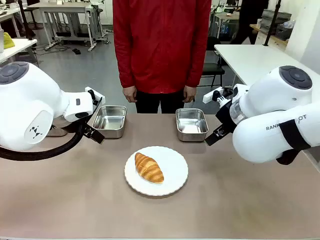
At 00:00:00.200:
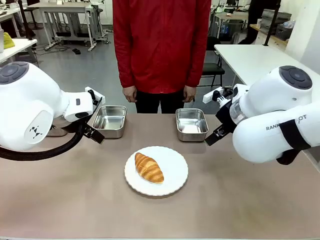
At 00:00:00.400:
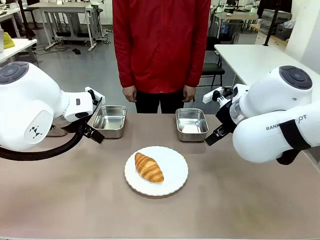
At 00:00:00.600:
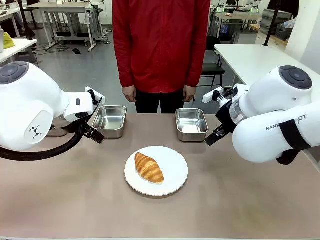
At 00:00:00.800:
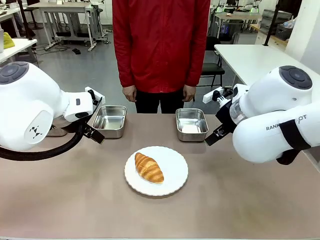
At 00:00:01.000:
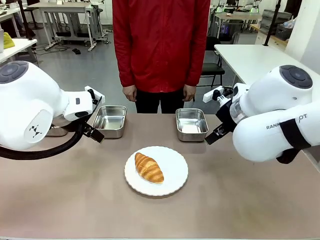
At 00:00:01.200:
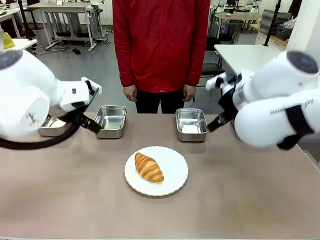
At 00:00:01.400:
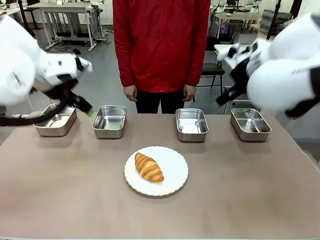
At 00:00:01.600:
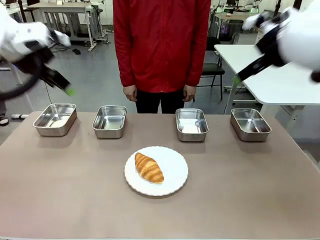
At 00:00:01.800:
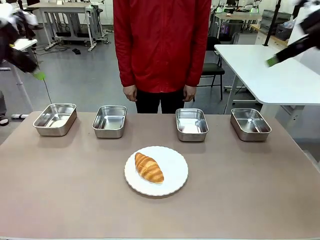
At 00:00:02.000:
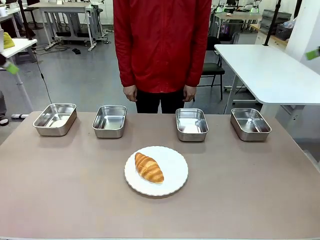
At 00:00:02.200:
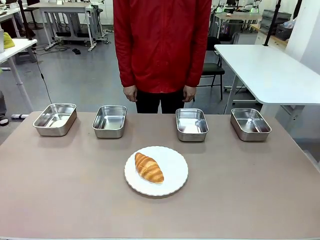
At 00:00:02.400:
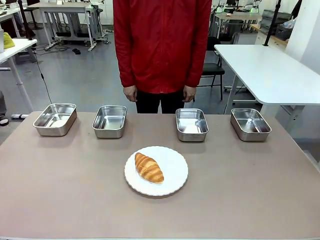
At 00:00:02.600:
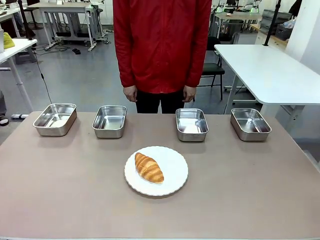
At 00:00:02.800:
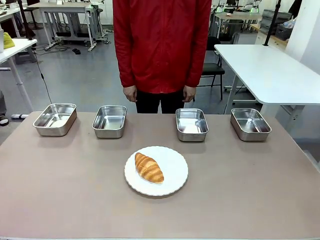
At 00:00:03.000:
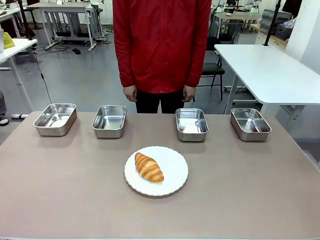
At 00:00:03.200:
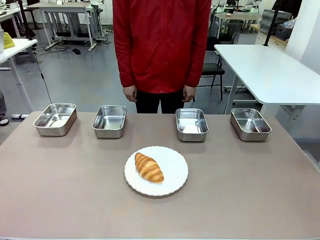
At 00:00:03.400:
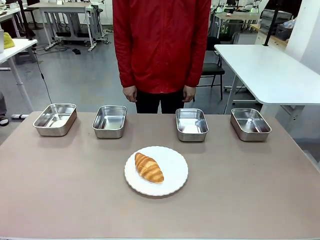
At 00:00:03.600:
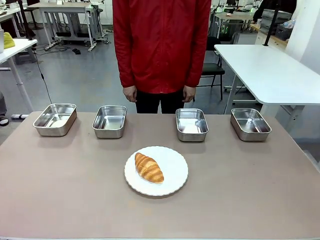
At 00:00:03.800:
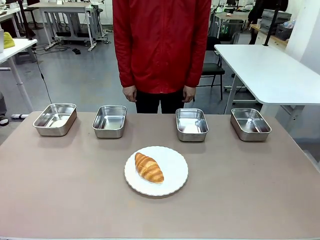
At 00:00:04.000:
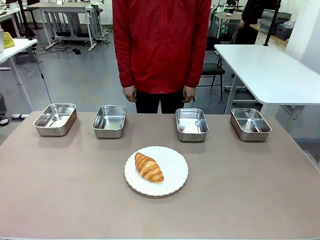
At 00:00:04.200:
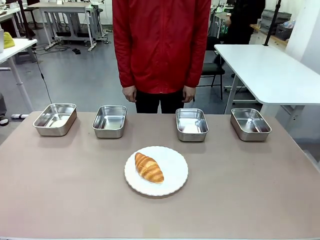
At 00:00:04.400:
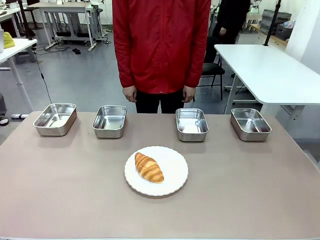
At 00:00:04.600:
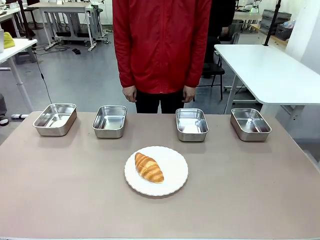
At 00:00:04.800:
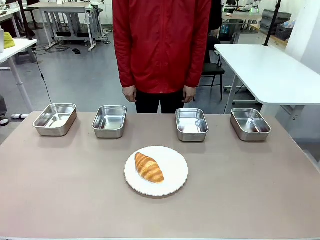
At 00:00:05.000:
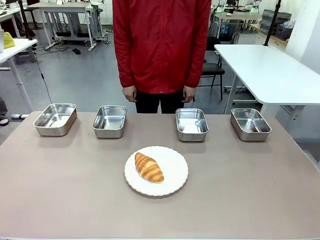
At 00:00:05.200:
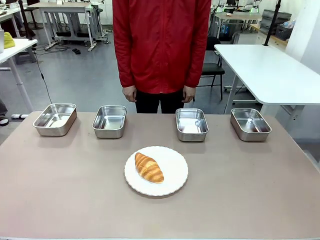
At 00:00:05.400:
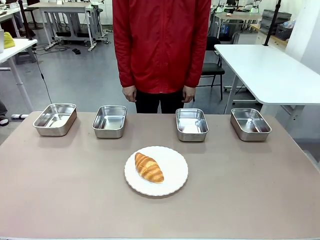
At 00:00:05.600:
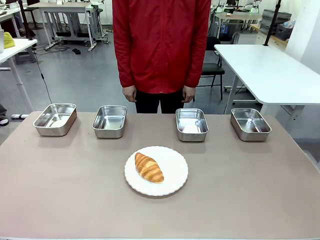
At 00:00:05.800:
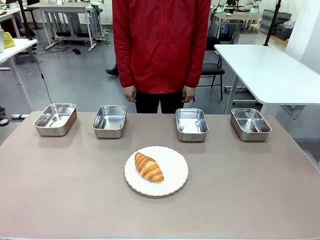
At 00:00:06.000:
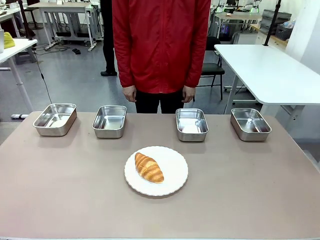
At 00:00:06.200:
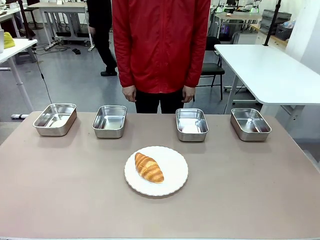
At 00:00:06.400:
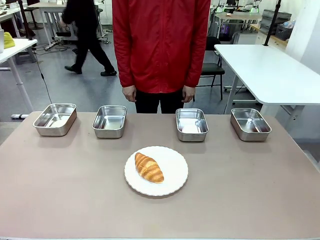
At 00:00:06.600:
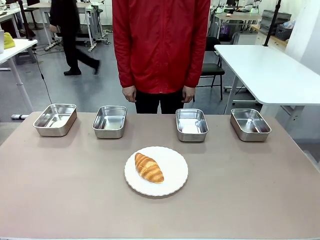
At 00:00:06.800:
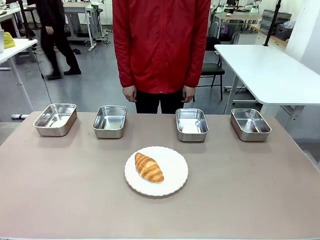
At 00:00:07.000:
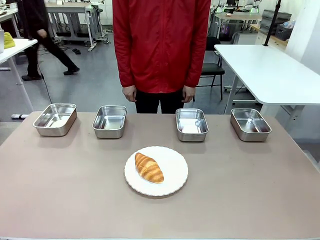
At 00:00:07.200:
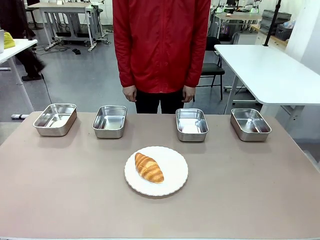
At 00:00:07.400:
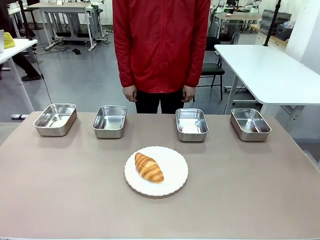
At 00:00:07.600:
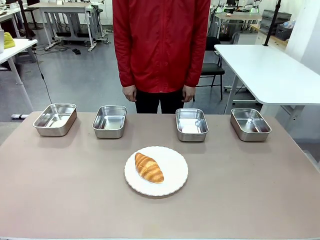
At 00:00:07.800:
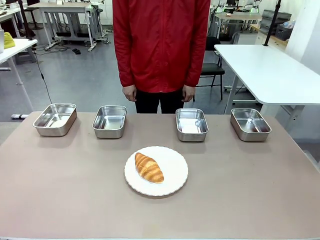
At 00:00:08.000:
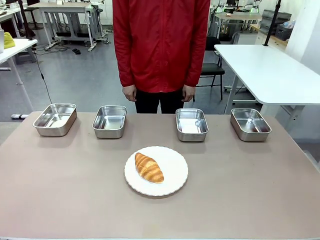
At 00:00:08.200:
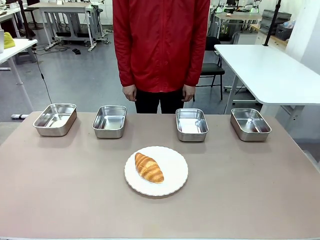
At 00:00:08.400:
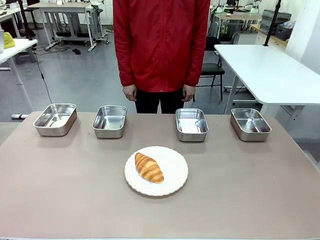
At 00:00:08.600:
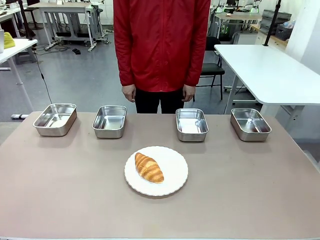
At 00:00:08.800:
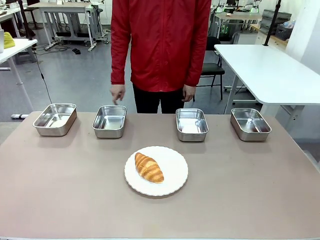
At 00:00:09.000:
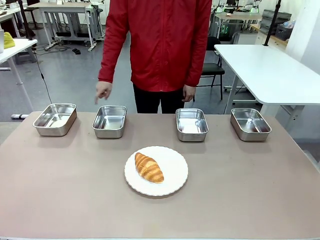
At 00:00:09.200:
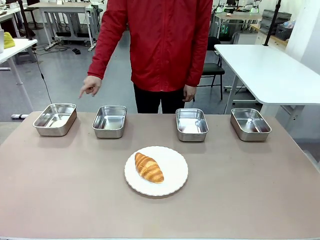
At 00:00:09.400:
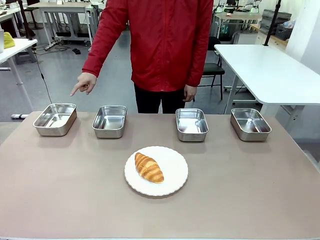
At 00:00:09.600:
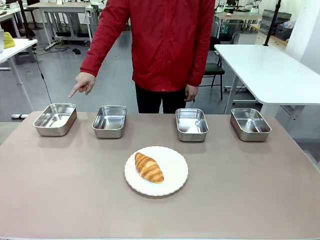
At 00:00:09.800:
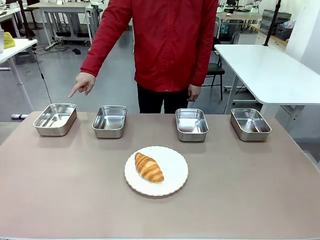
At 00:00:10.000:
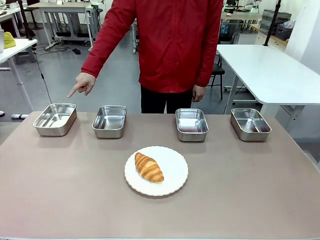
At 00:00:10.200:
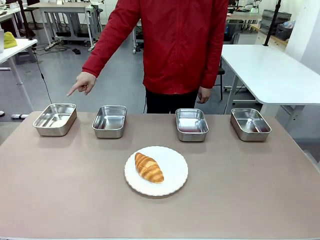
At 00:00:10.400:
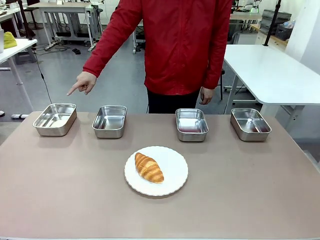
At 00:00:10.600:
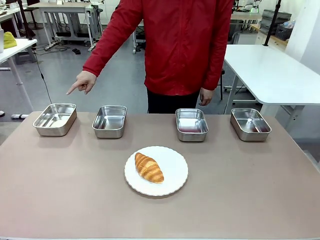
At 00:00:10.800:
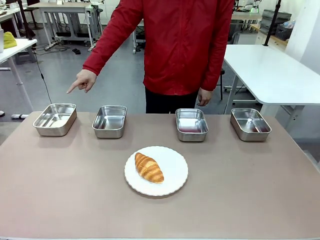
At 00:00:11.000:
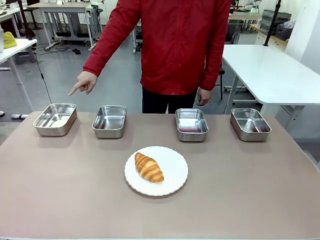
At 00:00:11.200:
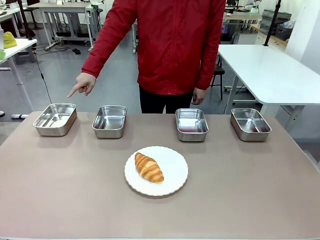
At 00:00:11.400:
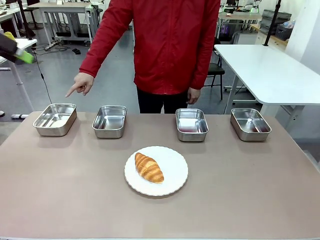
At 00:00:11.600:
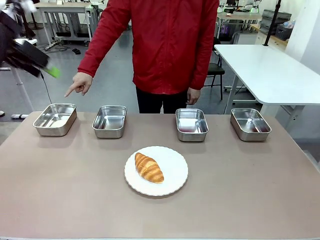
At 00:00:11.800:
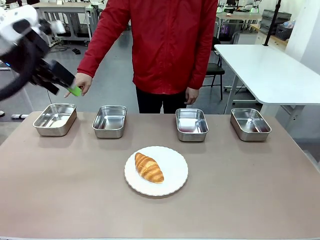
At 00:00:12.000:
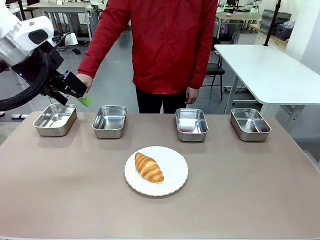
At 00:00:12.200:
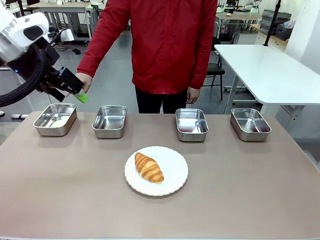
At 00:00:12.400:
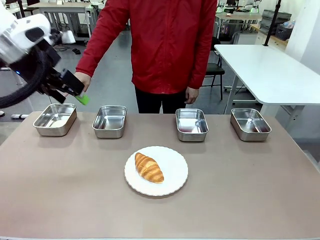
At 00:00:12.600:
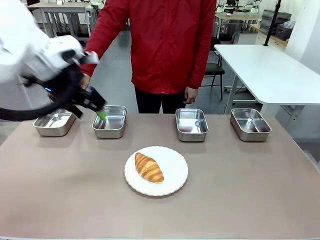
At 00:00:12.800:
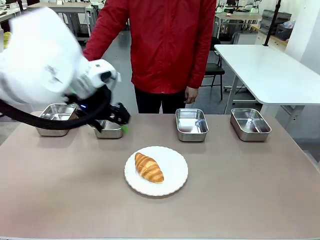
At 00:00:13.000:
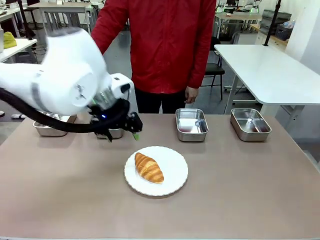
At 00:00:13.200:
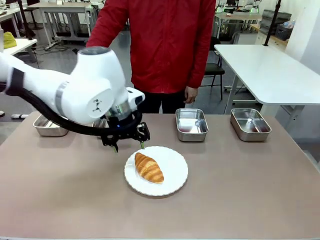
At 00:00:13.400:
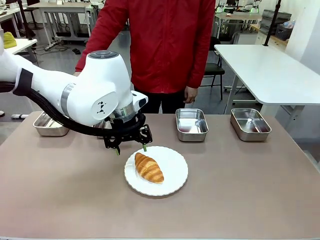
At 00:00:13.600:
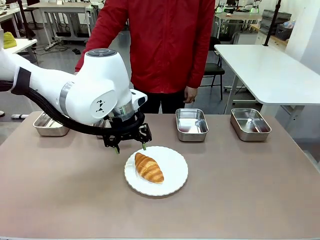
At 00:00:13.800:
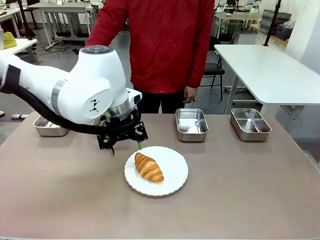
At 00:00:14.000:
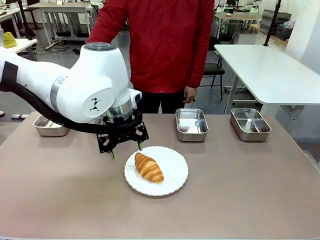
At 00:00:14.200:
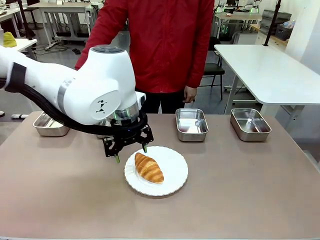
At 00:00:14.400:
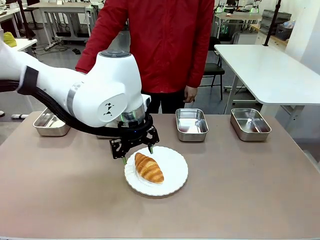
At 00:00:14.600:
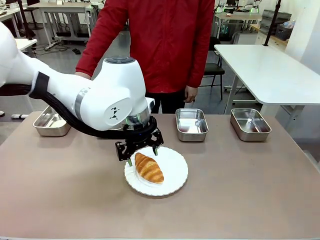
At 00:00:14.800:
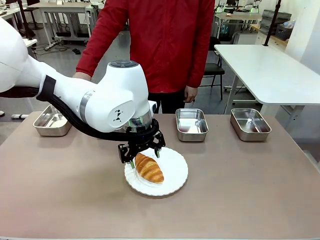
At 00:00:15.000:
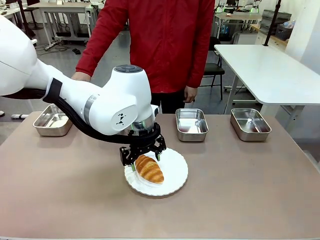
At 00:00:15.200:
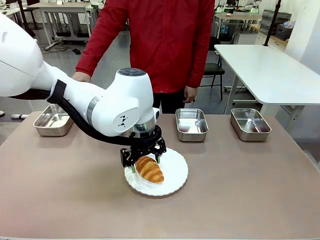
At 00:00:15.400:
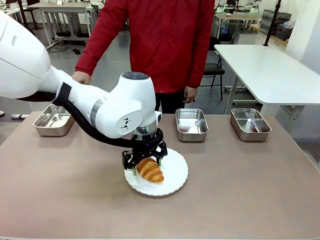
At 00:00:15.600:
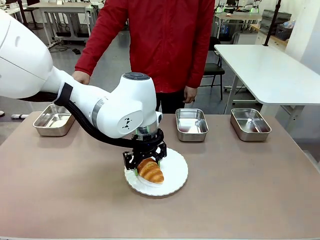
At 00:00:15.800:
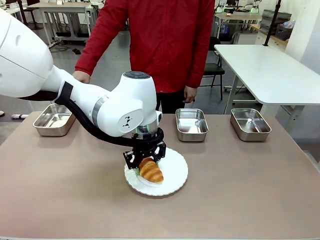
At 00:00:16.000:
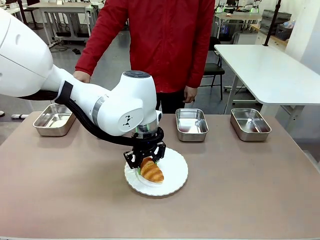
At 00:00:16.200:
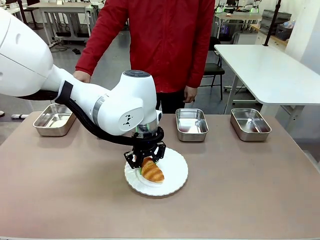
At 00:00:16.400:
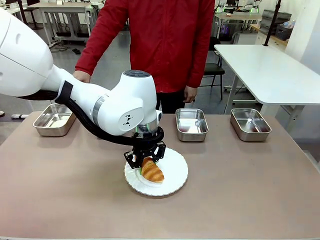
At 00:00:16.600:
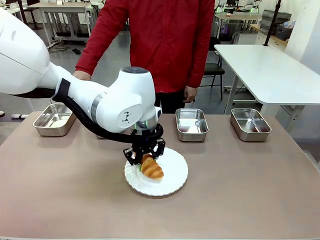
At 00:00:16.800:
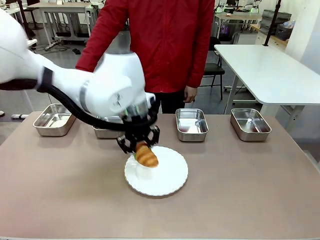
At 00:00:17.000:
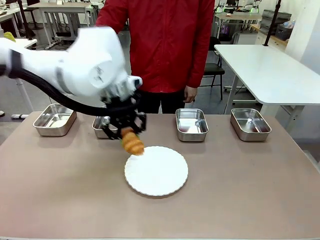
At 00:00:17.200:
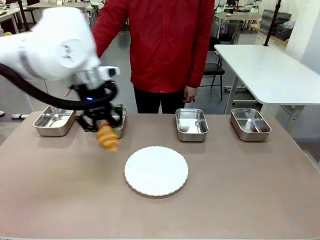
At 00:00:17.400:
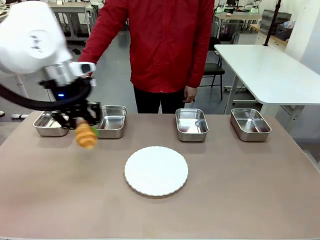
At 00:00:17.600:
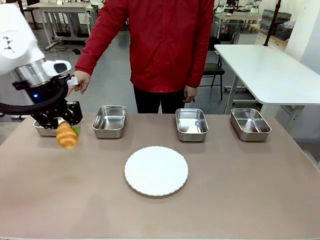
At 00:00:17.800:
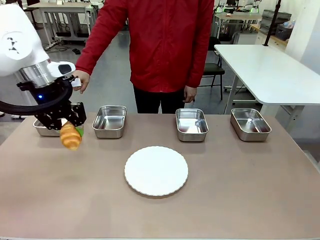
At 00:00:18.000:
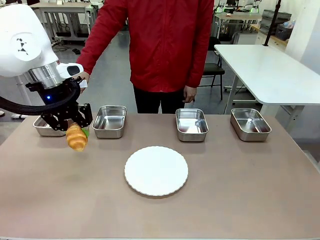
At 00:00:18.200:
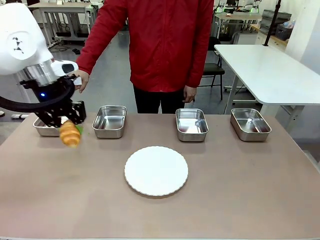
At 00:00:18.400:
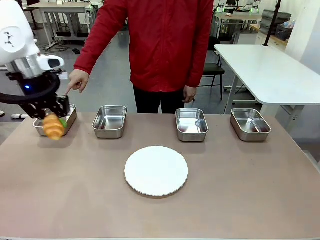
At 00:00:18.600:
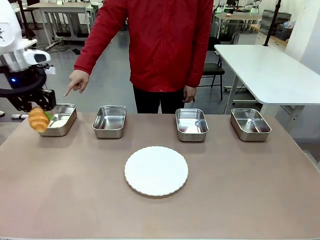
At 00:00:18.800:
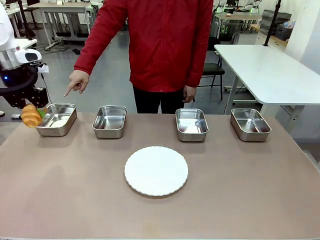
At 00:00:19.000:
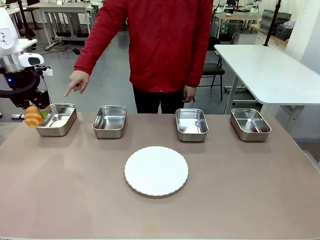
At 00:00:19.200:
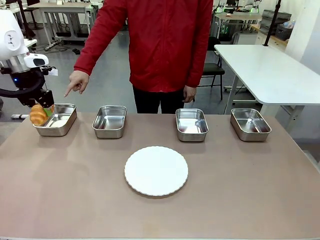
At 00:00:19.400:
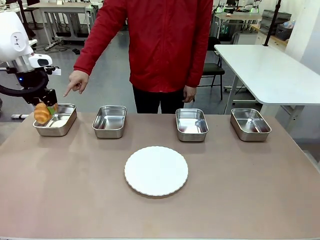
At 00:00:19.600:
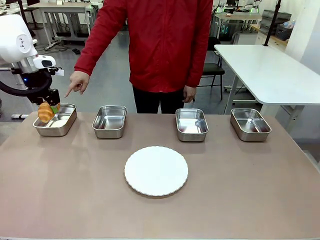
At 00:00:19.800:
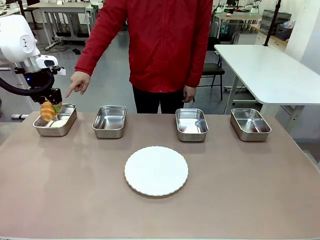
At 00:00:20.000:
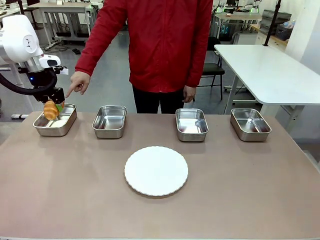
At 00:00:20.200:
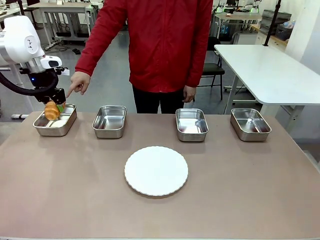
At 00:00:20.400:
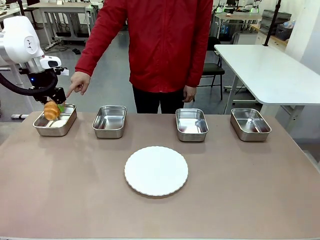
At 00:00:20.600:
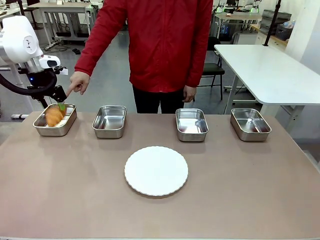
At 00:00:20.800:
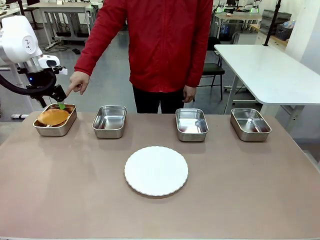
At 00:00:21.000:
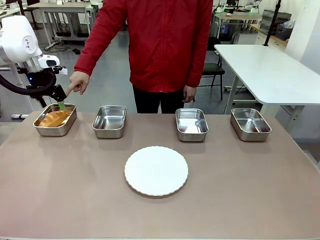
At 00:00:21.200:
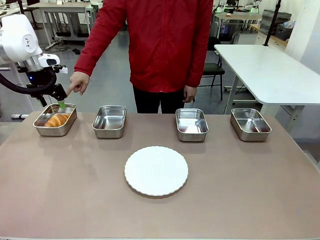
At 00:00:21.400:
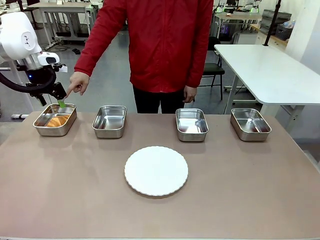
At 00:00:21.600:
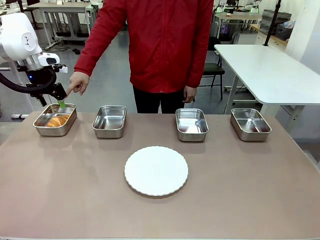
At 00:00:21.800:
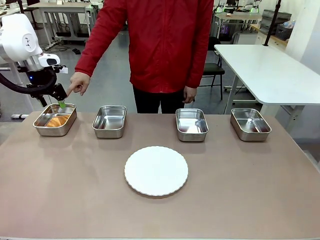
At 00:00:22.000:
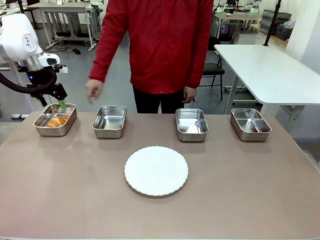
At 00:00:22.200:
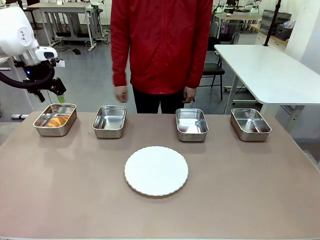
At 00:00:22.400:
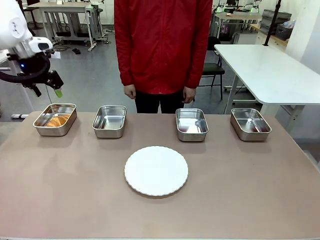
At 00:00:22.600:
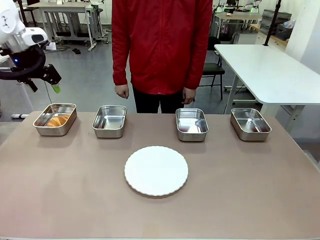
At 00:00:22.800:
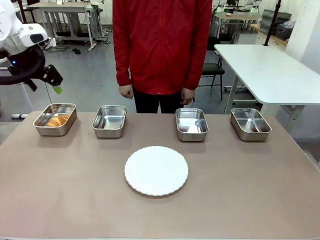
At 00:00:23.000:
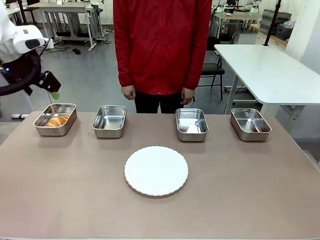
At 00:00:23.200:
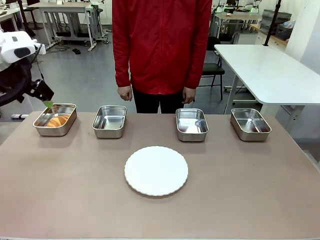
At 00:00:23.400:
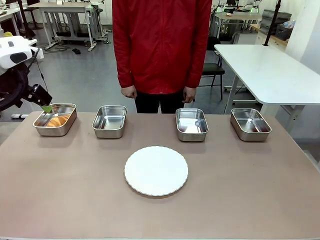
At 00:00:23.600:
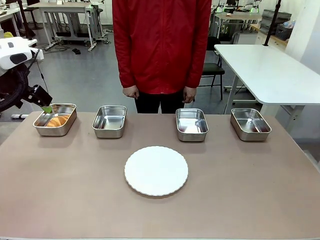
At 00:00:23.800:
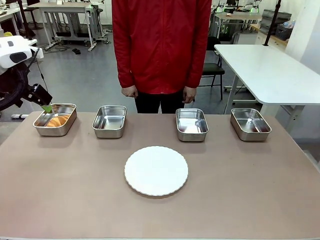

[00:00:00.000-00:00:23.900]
Task: Place the bread in the container.
Robot: Place the Butter Roll into the Airtight Container indicated by the human.
Person: A person randomly selects and points to an Airtight Container.
